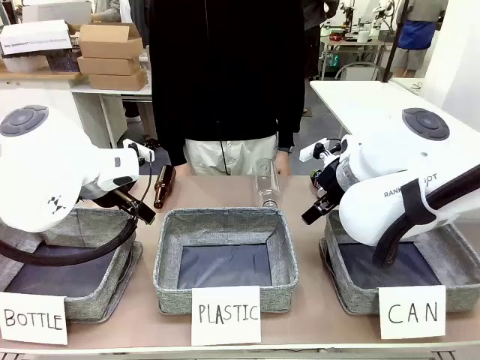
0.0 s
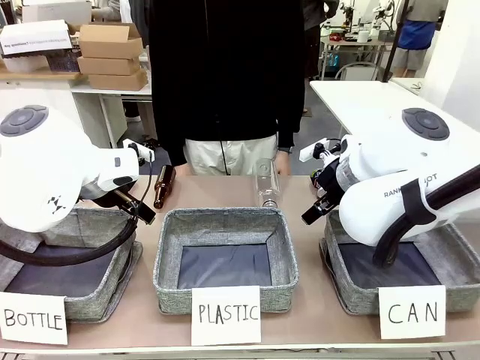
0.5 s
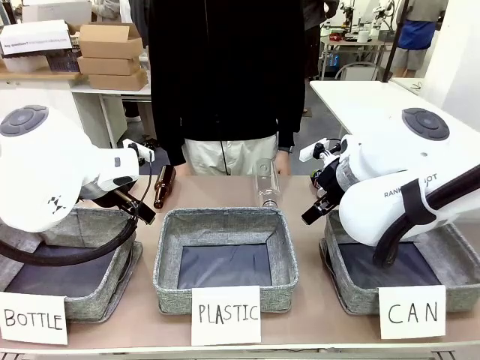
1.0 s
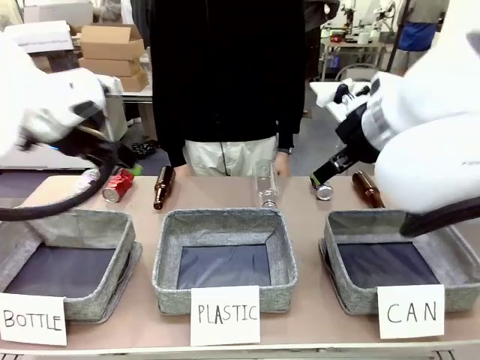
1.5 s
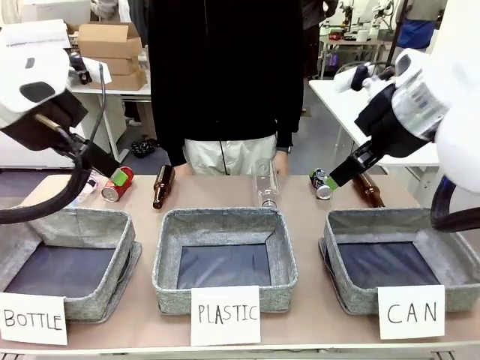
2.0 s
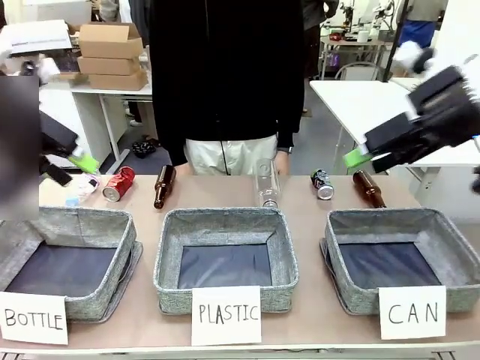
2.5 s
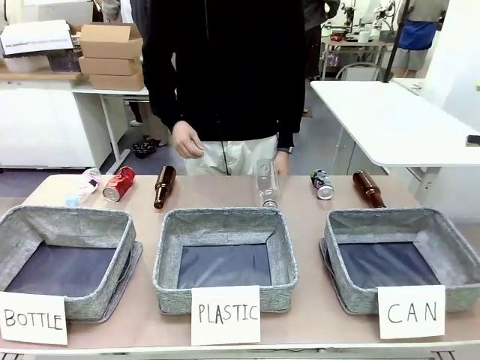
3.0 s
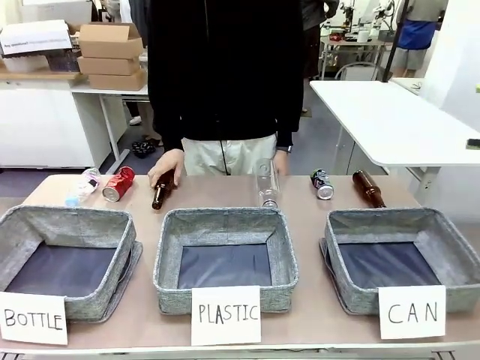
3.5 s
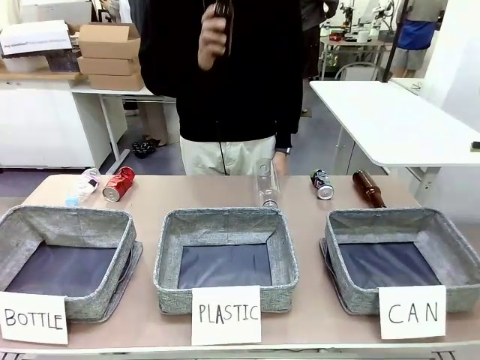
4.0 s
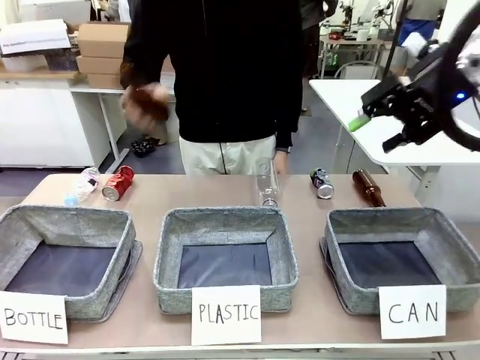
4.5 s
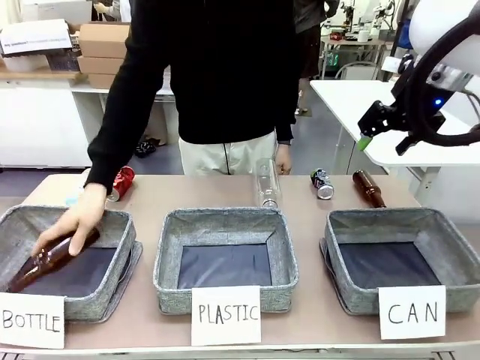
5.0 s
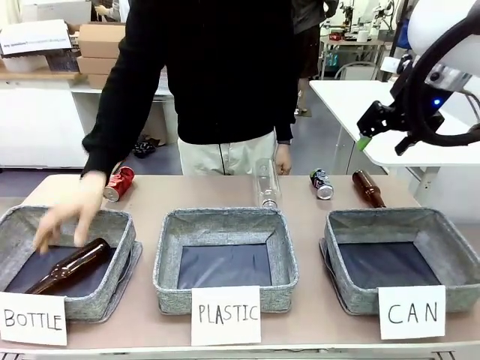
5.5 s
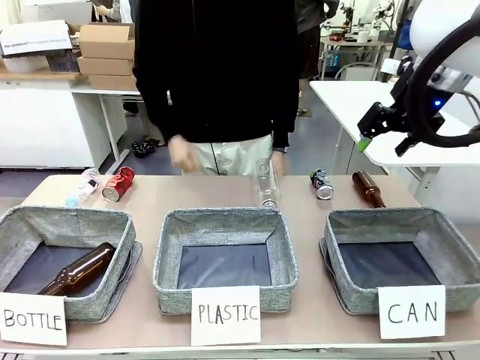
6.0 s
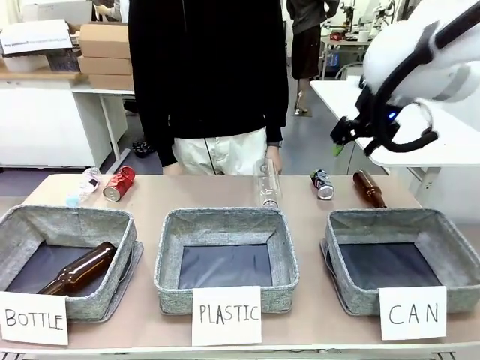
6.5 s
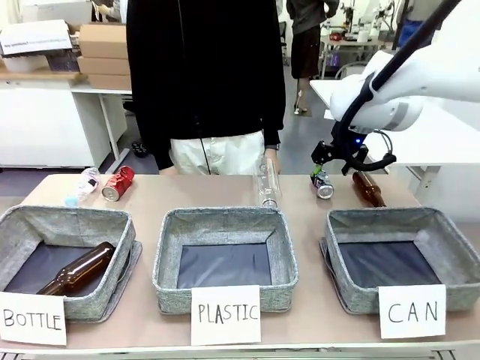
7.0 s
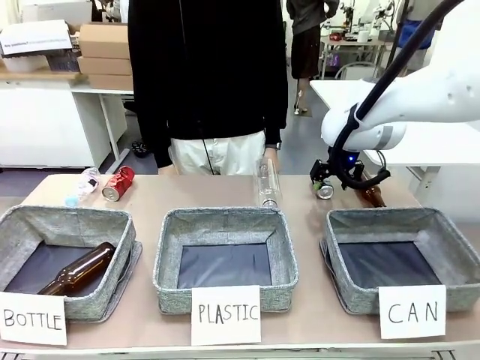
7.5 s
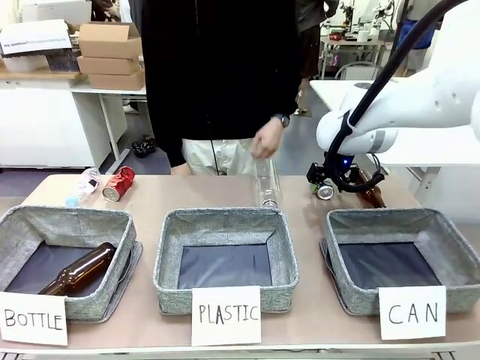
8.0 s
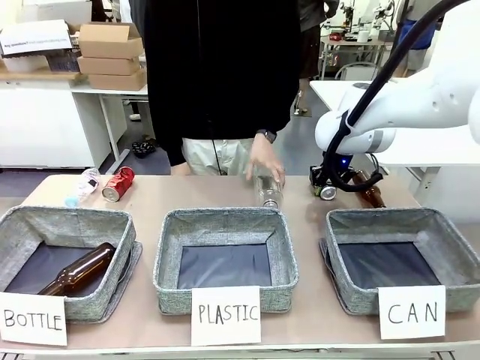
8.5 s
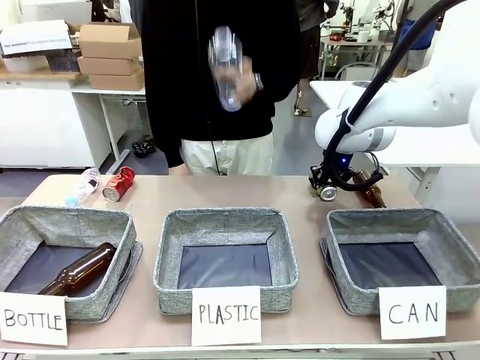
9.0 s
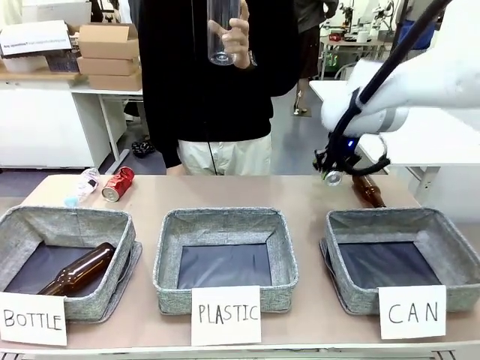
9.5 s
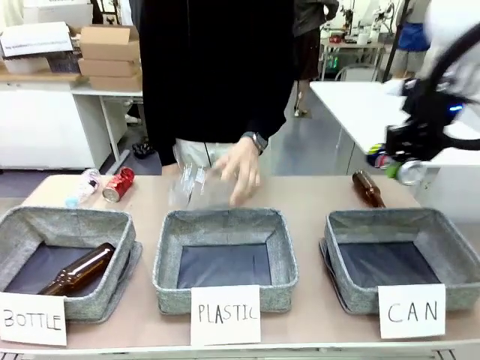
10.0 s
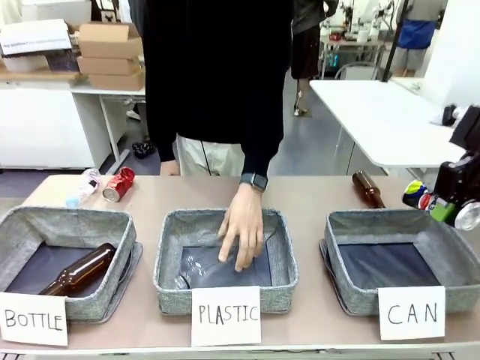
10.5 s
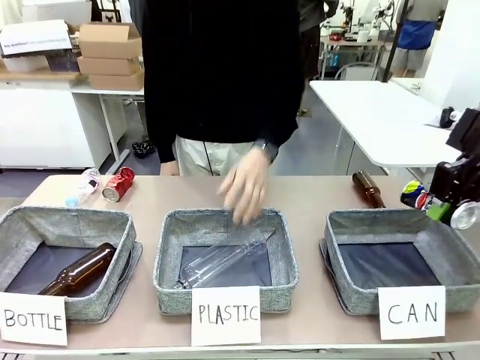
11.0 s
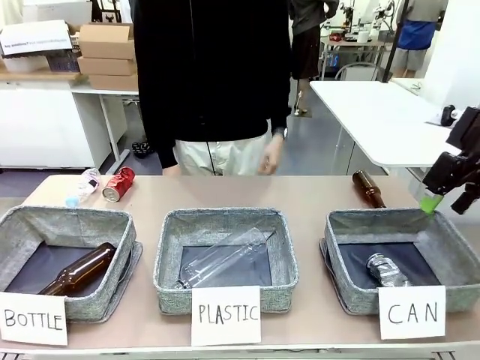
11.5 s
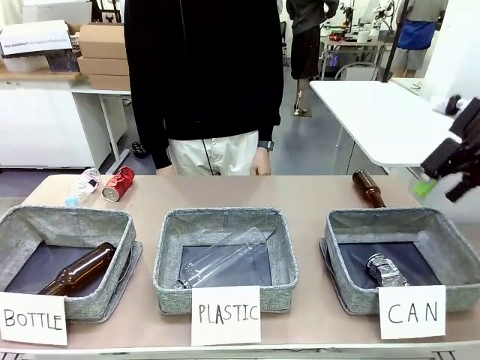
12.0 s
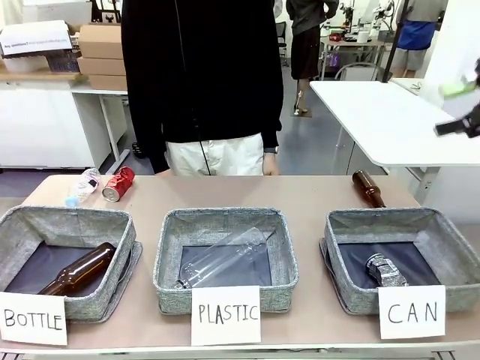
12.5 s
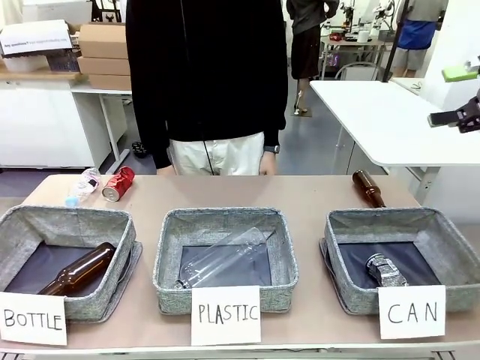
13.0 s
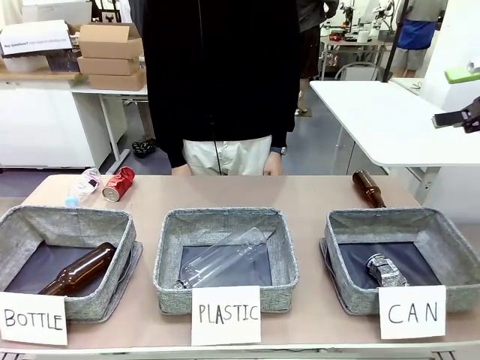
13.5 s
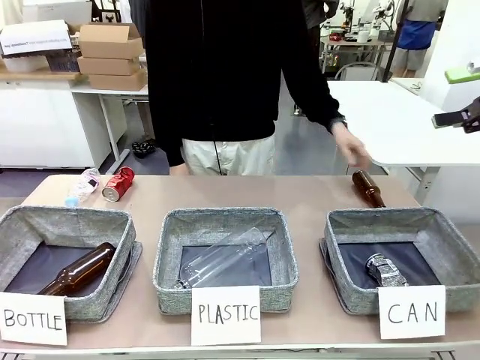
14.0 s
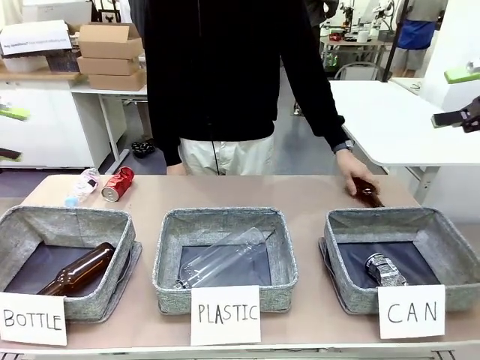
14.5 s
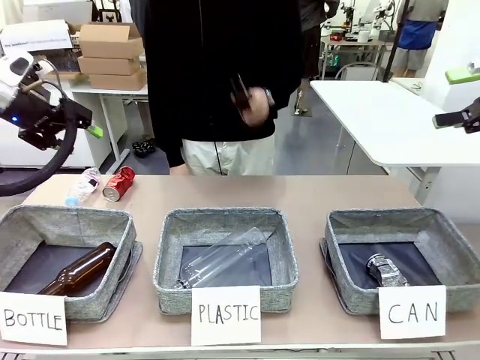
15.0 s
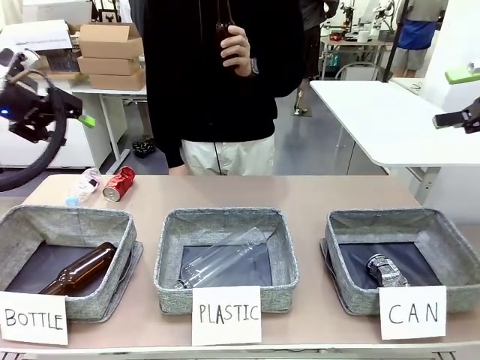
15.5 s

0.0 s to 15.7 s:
Task: Sort the can waste into the basket.
Robot: Pick up the can waste from the table and place it in the right Fabric basket.

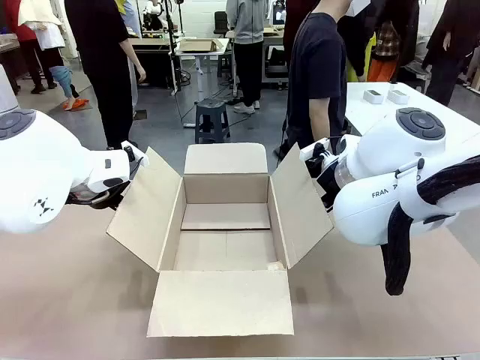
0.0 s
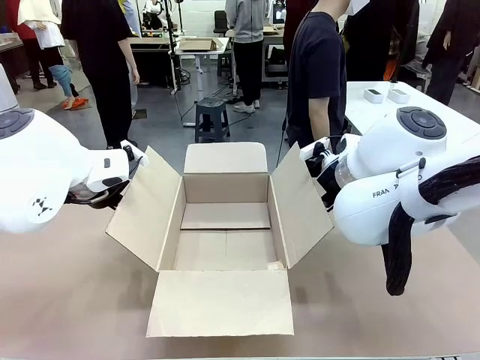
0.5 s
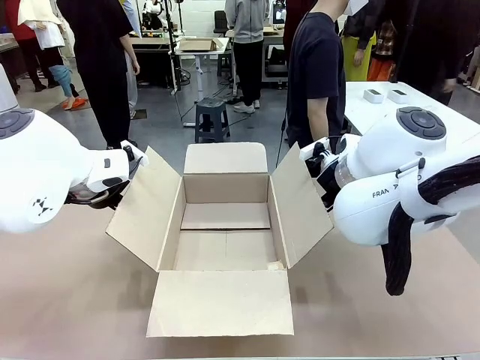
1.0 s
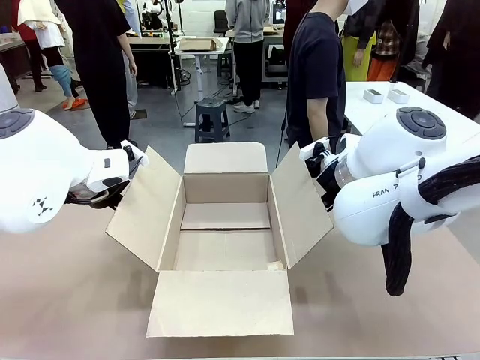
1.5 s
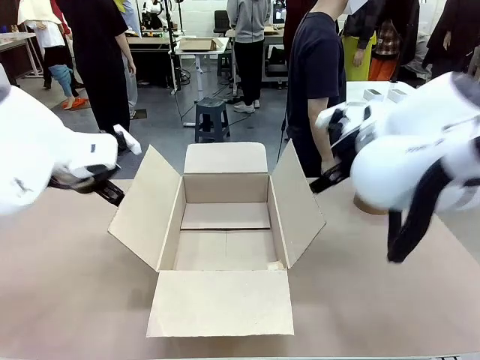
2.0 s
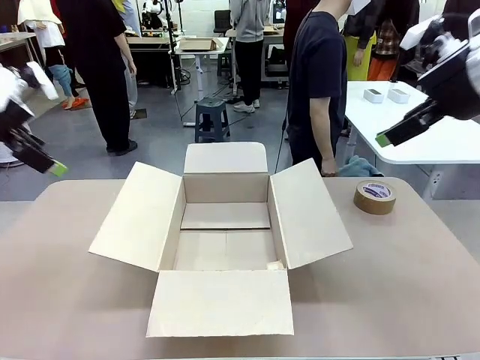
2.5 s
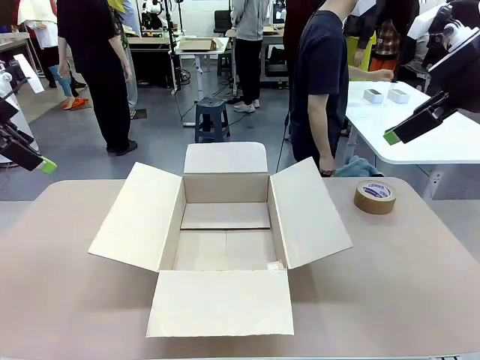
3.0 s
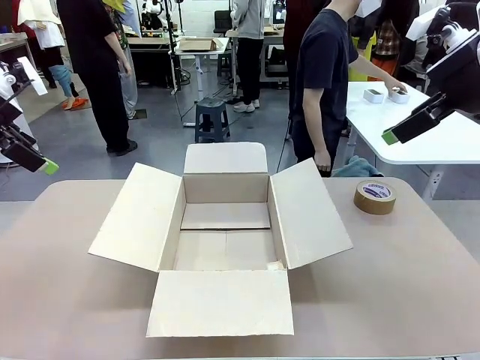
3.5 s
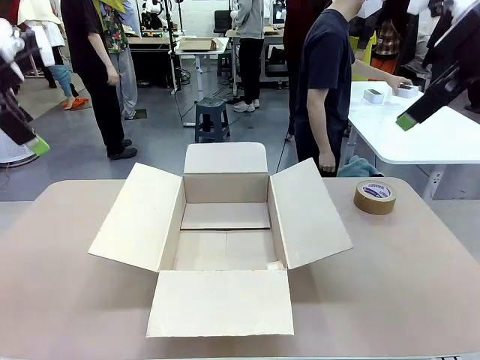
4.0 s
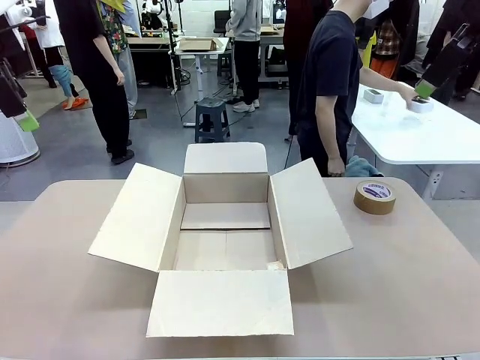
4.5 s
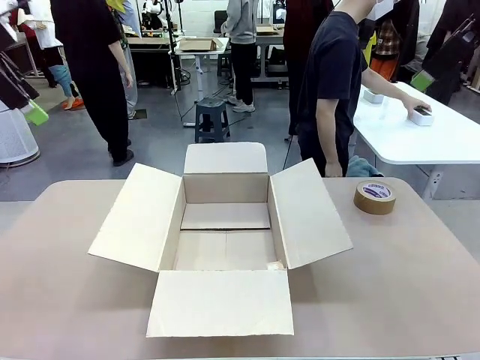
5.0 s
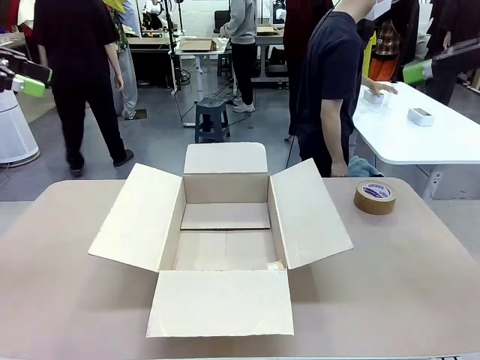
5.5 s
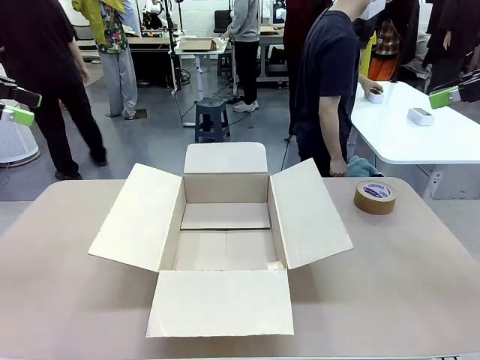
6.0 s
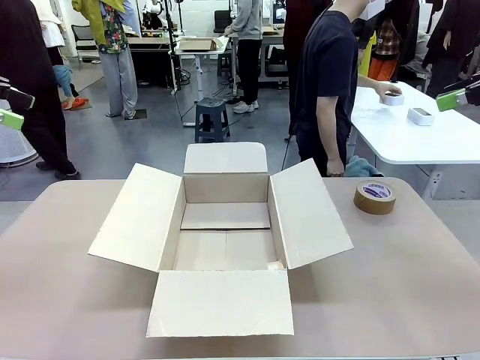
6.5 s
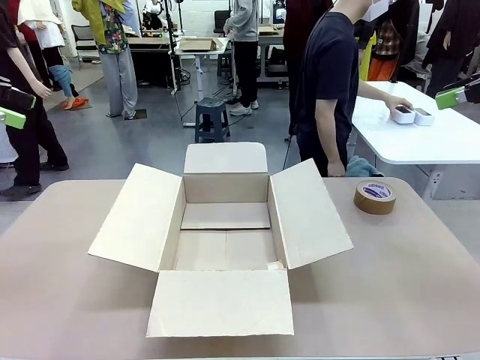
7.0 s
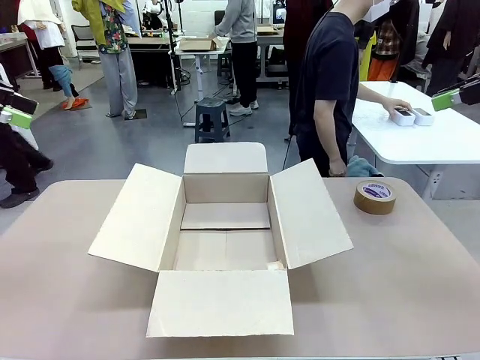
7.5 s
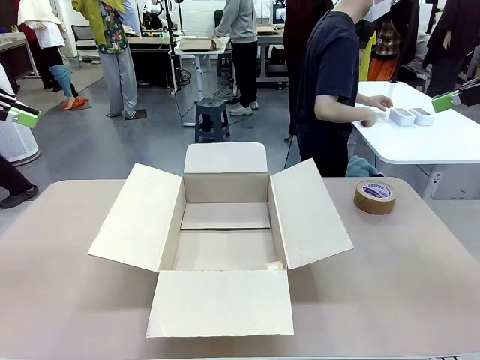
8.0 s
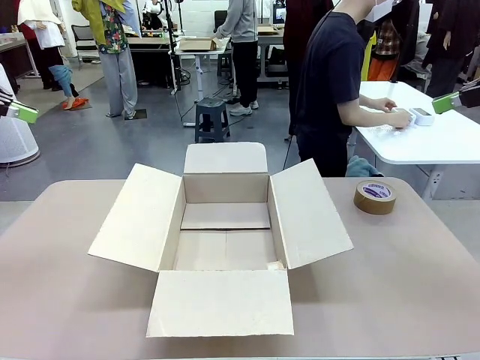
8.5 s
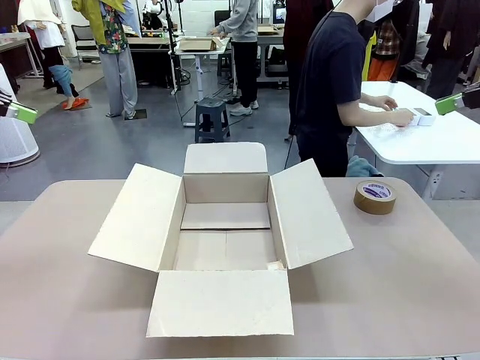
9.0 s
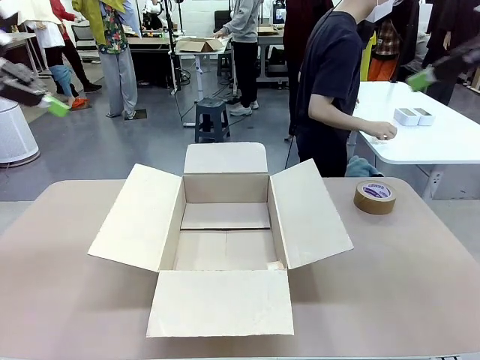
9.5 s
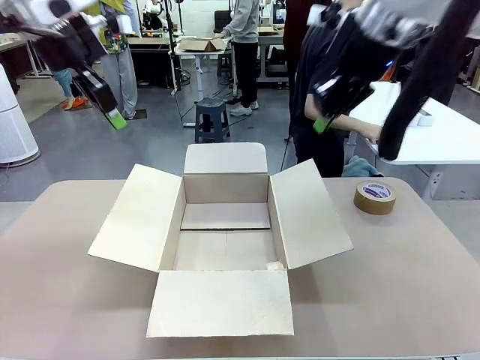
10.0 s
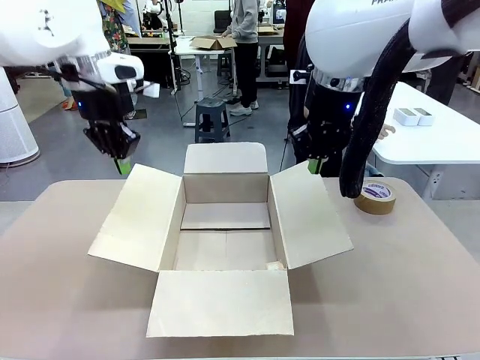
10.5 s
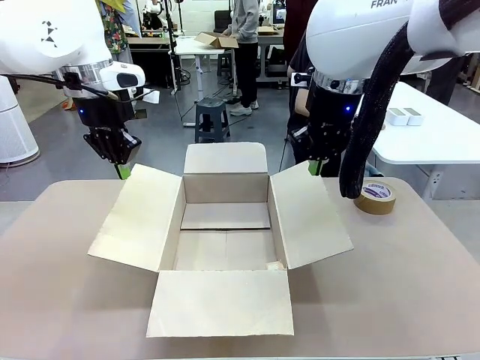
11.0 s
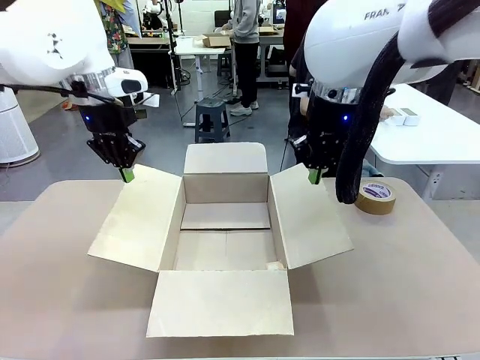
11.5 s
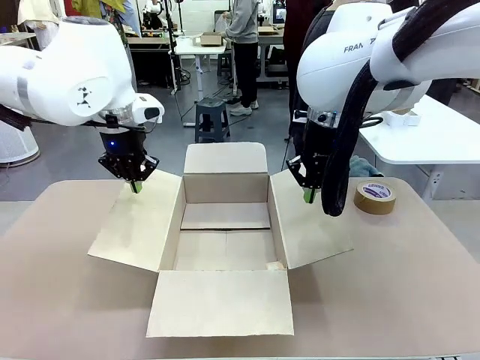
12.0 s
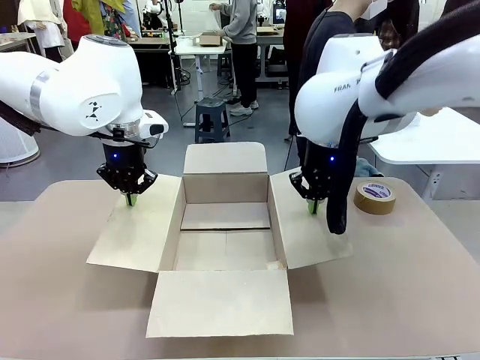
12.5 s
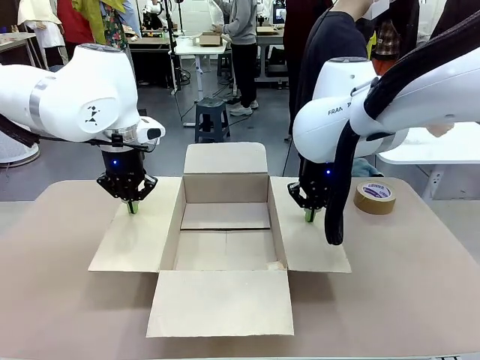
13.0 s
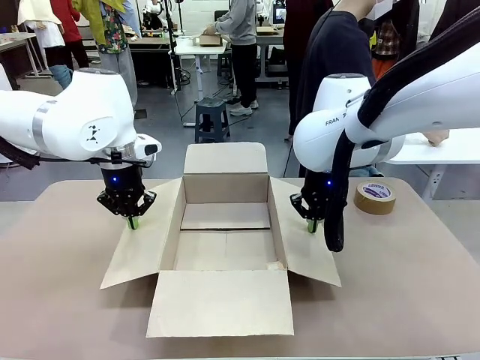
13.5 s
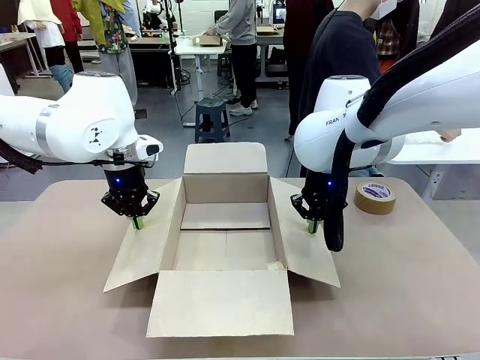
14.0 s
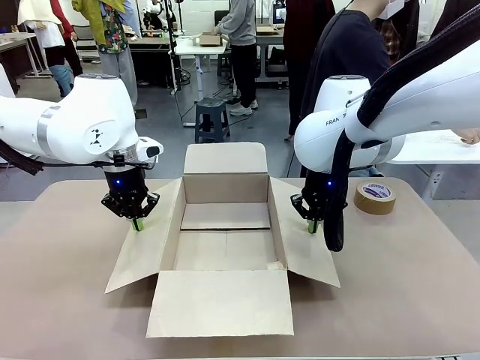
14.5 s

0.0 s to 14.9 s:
Task: Wrap the clocks to prevent damage.
Robot: Open the side flaps of the Package Box.
Person: Wrap the two Digital clocks with Bubble Wrap.
